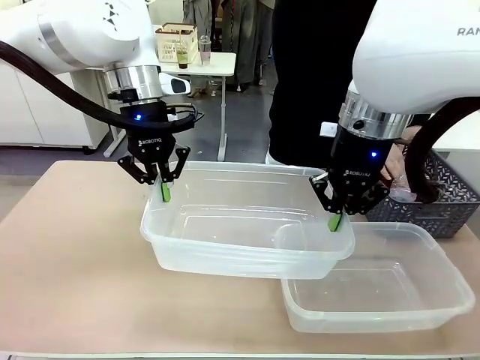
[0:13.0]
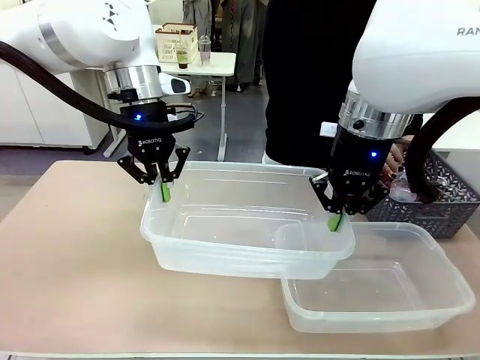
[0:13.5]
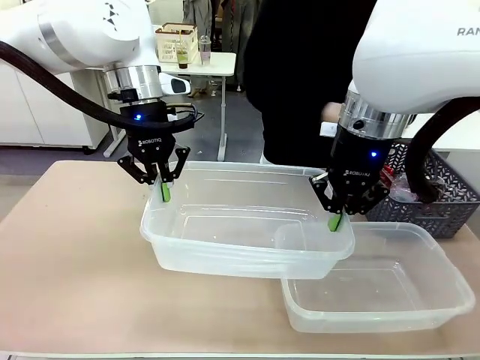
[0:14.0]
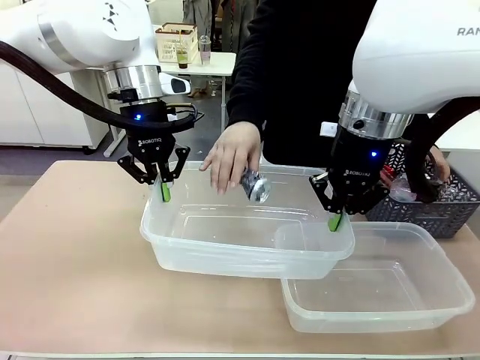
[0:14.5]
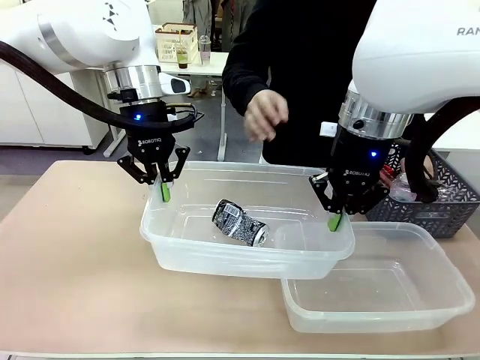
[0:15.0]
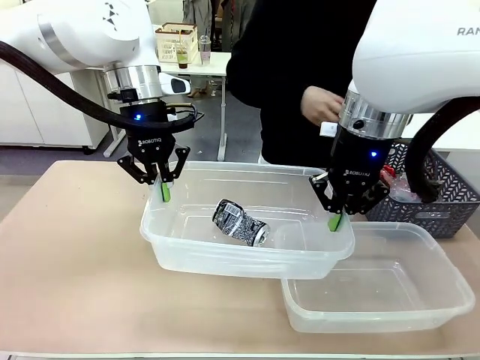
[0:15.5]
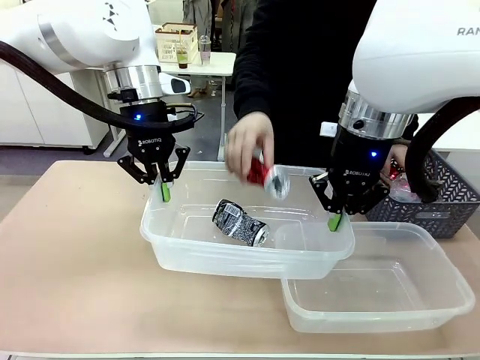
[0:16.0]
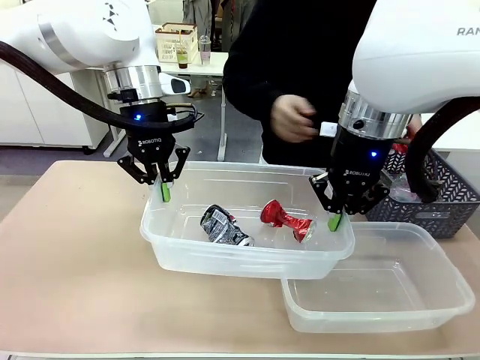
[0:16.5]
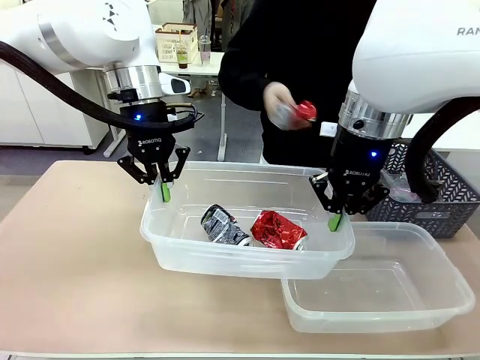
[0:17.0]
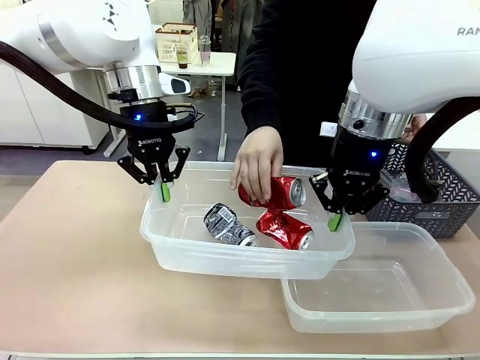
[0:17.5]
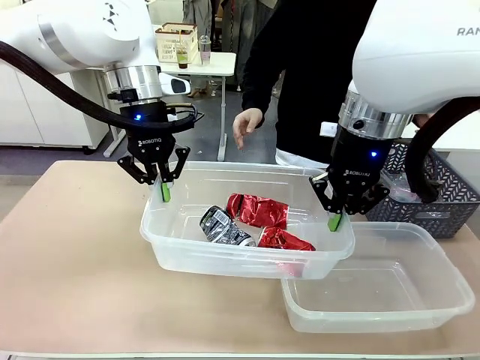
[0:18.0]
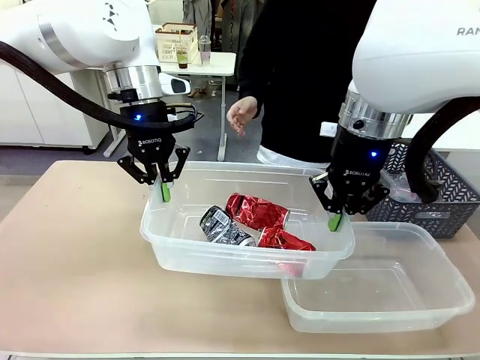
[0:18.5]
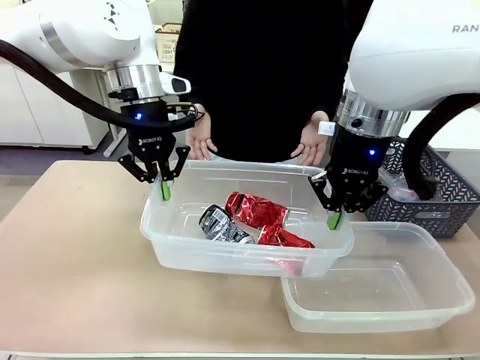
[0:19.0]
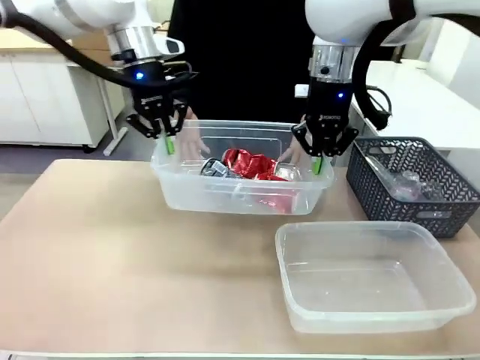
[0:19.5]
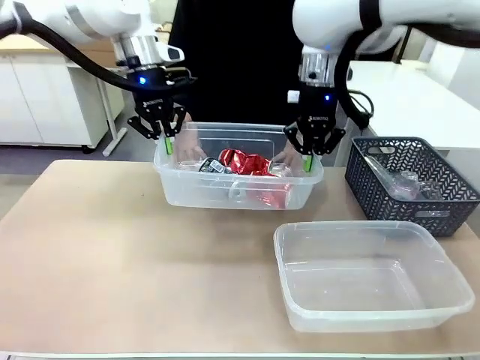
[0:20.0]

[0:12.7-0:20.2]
Robot: Offer the picked Organizing box to the human.

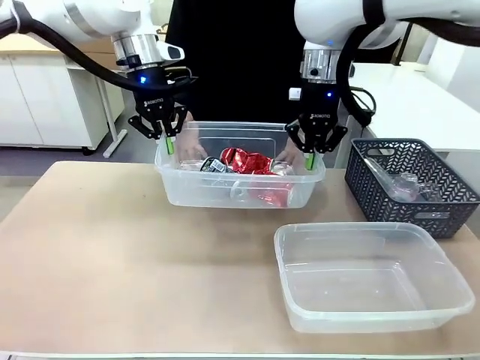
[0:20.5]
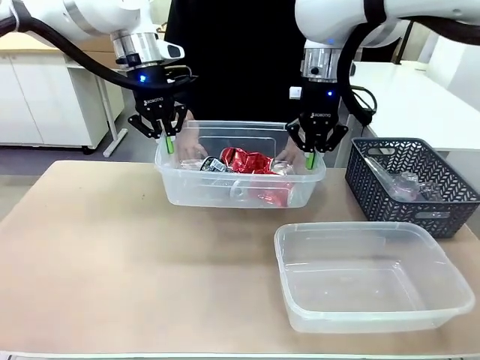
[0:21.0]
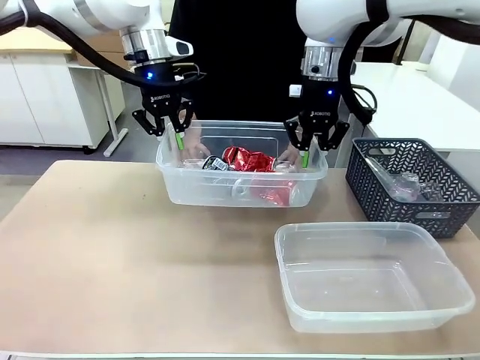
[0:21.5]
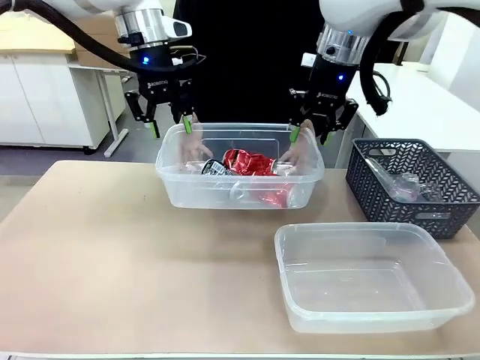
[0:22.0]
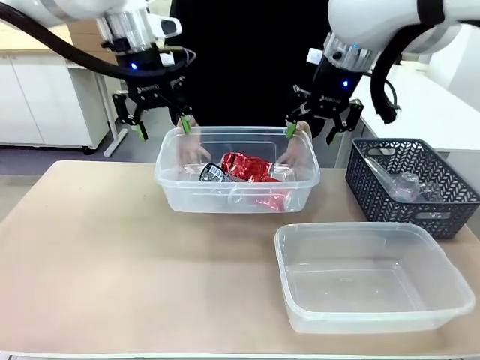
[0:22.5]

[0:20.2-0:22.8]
Robot: Release the Organizing box you were holding.

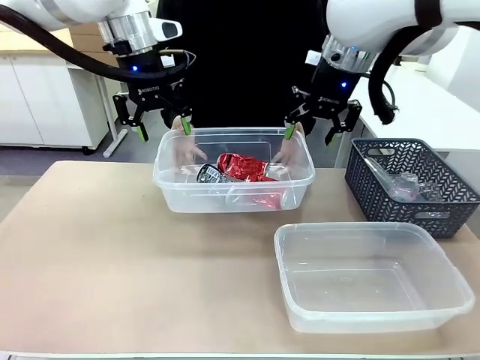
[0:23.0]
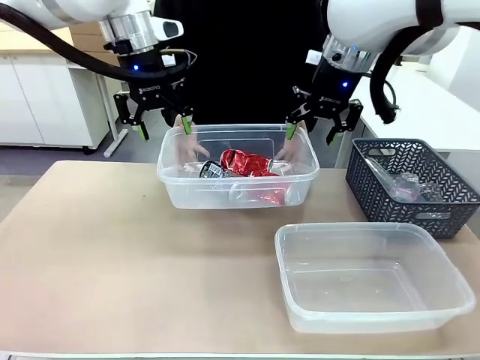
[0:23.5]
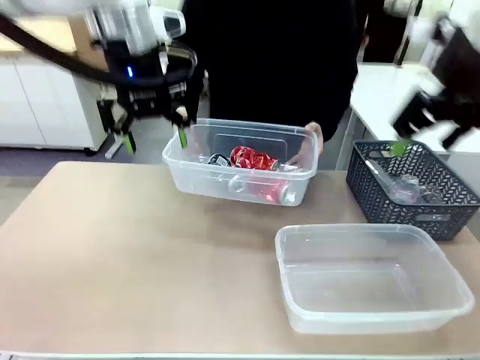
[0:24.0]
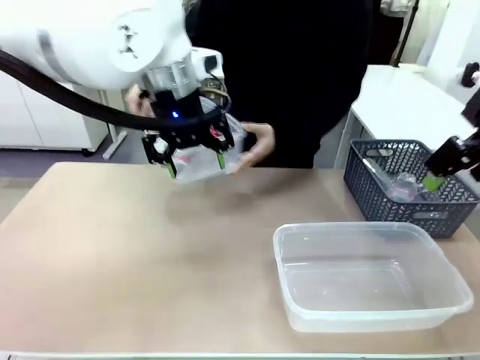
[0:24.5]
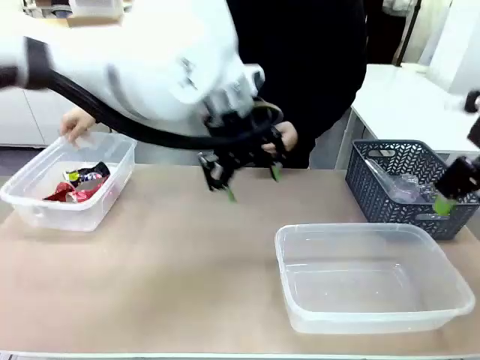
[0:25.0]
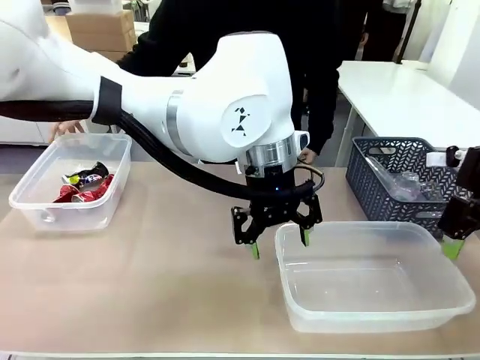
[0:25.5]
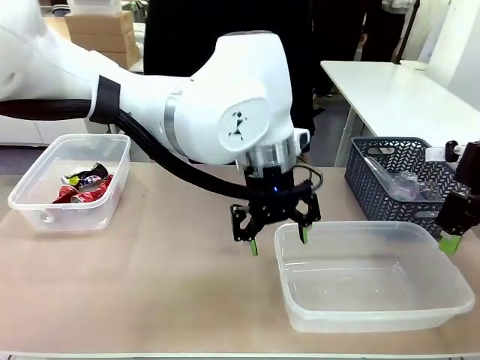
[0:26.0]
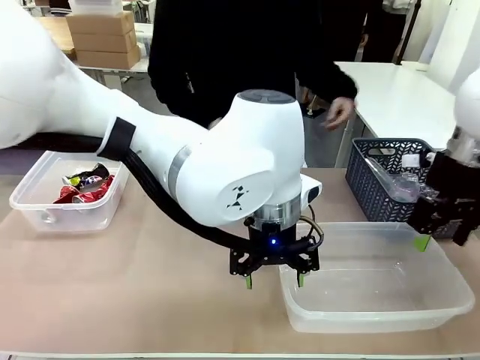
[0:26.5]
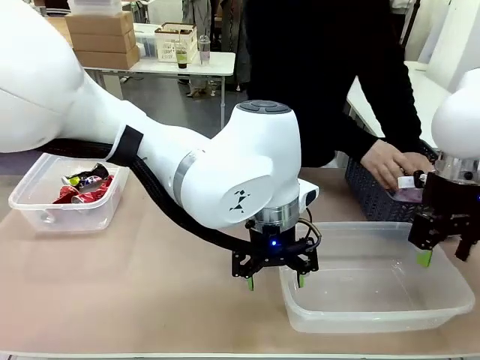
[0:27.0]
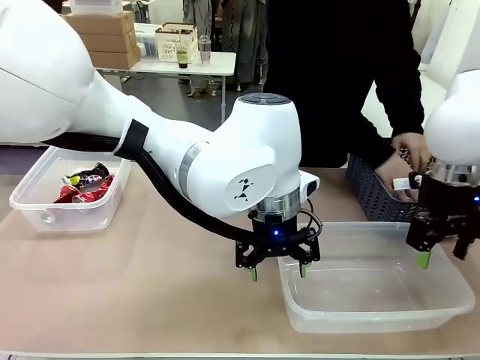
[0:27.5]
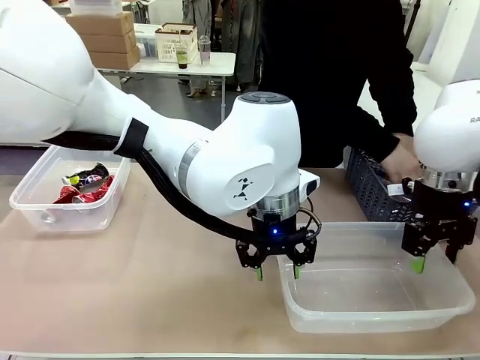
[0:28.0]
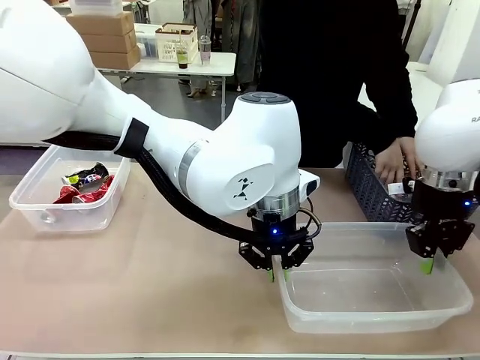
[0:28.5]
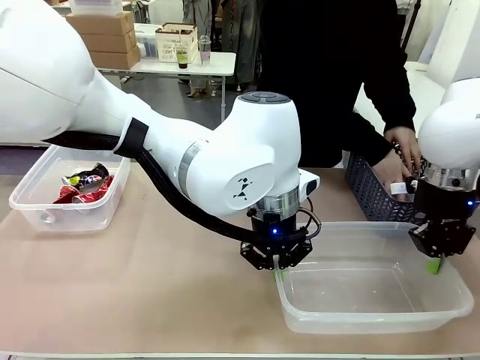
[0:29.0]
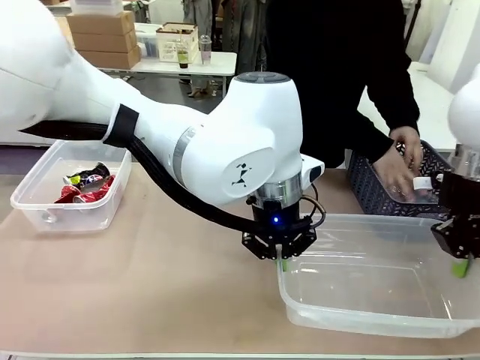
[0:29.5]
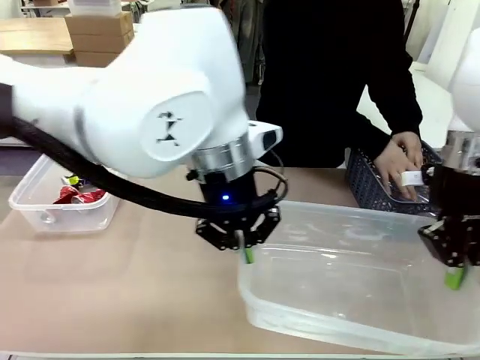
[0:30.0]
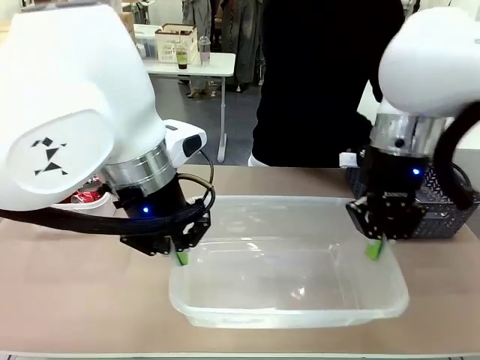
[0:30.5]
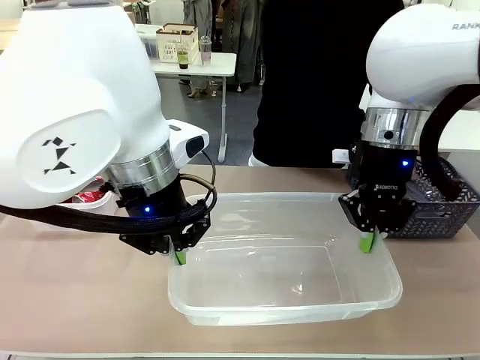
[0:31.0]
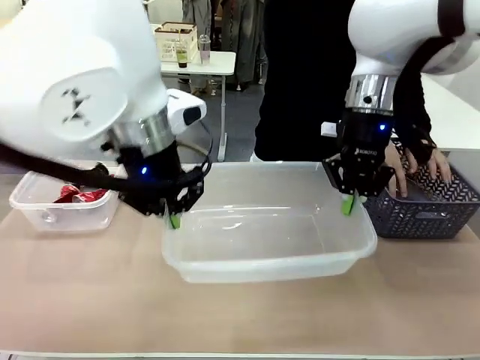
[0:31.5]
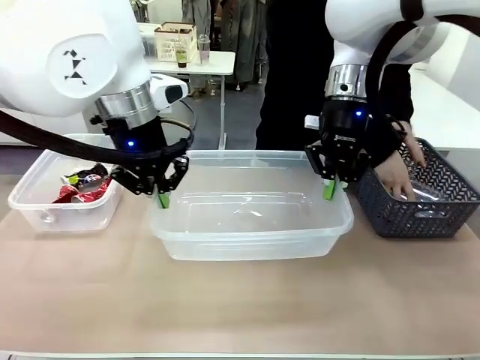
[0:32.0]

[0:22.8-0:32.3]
Robot: Pick up the Organizing box on the right side of the table and lift it.
Person: Place it at the edge of the bottom right area of the robot table. Pick up plastic waste one by one and place it into the organizing box lifted by the robot.

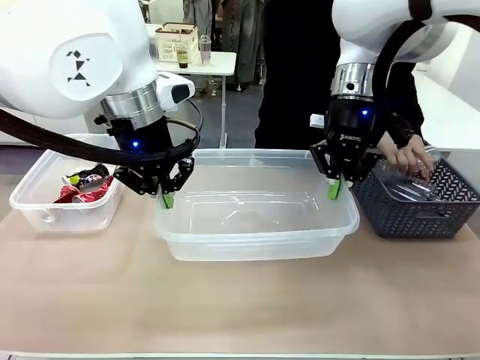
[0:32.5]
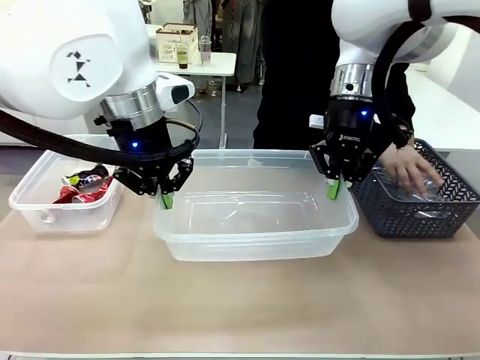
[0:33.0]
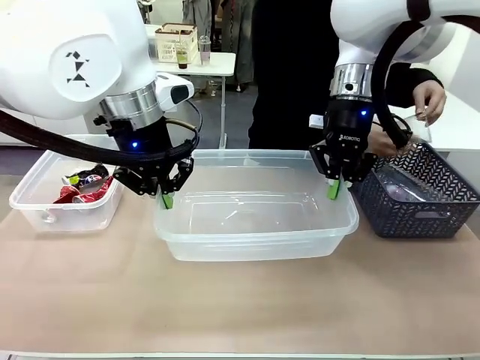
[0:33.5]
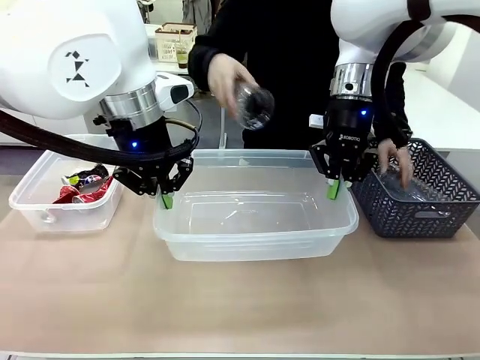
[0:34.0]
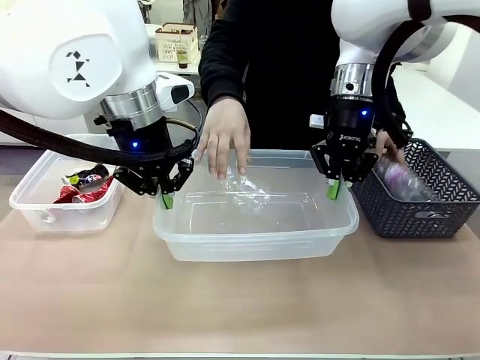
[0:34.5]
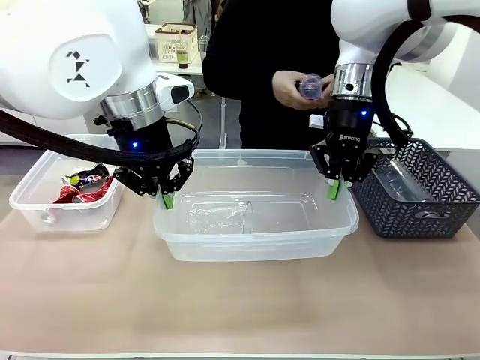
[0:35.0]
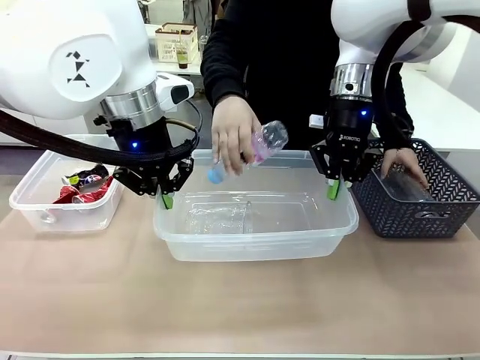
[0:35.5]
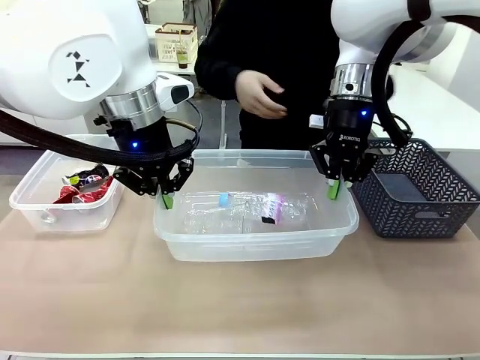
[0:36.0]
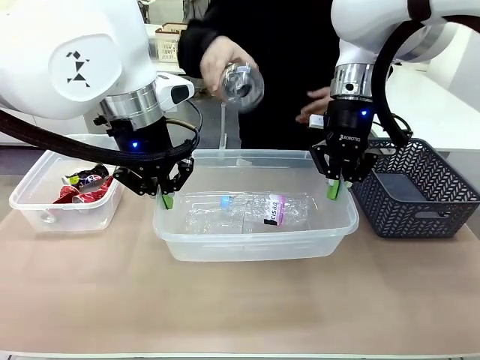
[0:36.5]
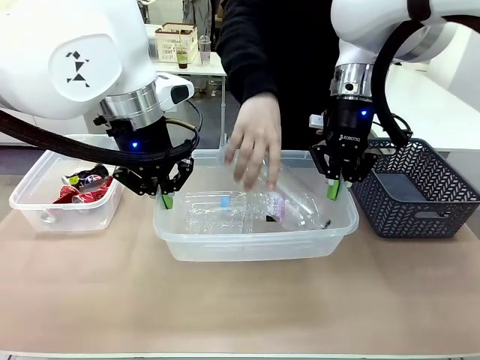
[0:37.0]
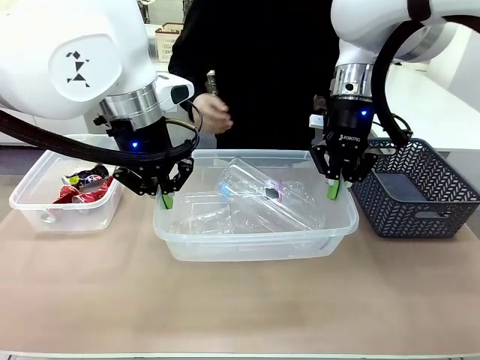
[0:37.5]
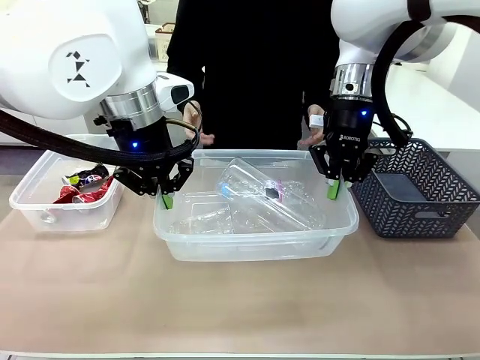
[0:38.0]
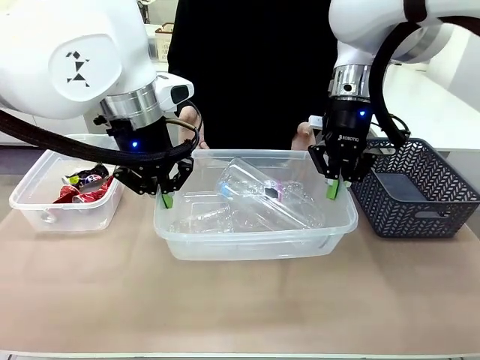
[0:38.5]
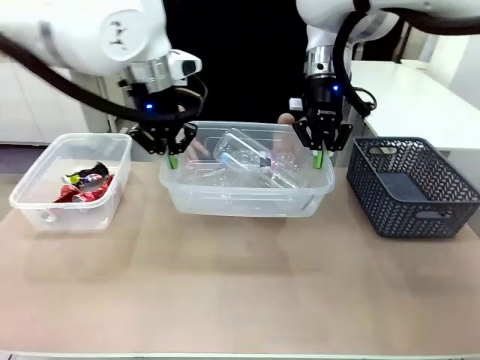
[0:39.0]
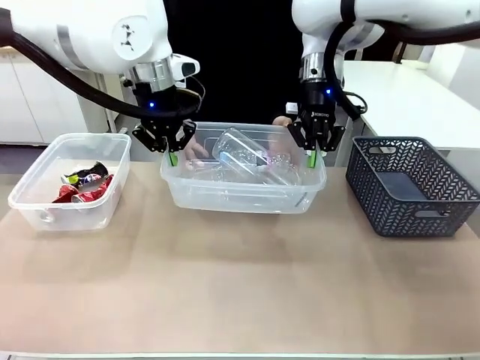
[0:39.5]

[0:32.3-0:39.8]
Robot: Offer the picked Organizing box to the human.

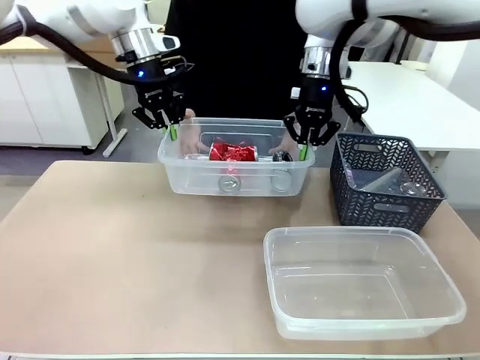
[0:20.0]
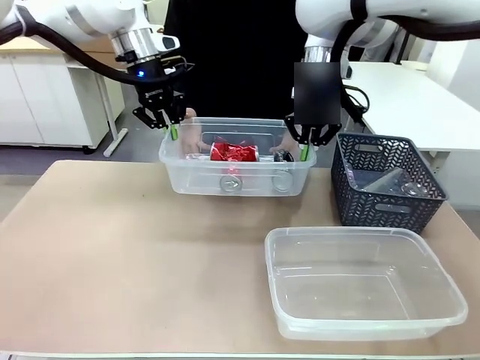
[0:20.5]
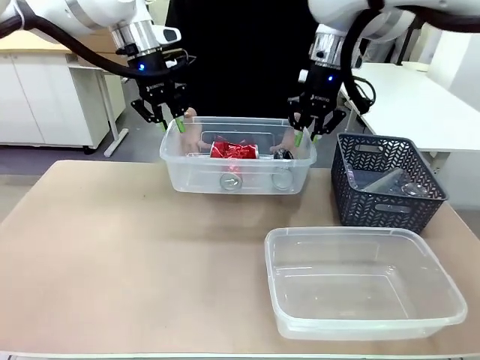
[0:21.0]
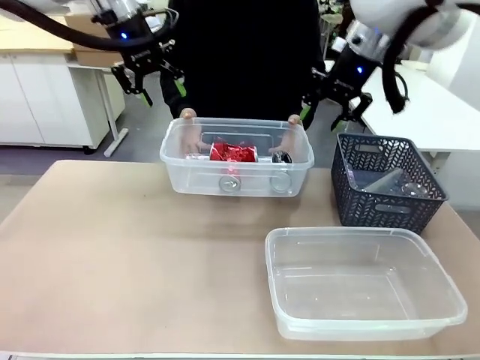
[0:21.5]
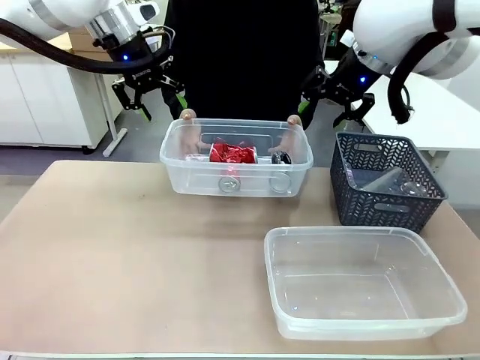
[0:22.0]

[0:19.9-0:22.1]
Robot: Release the Organizing box you were holding.
